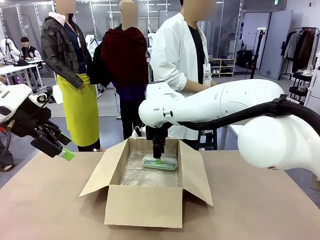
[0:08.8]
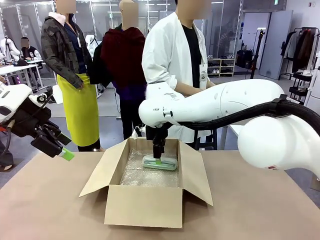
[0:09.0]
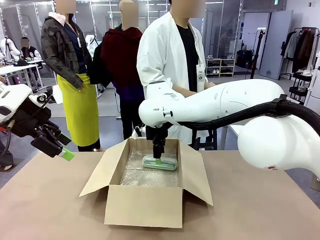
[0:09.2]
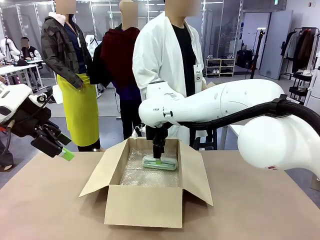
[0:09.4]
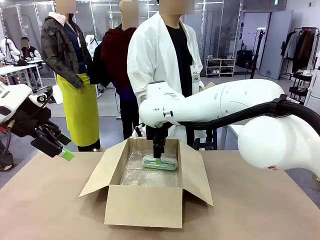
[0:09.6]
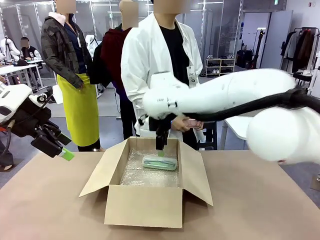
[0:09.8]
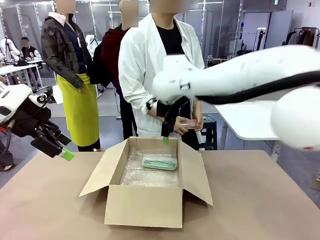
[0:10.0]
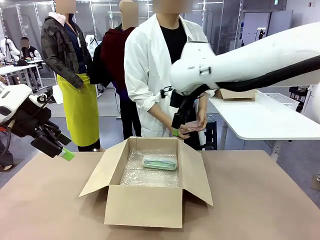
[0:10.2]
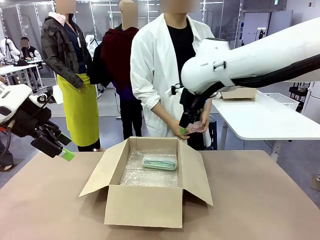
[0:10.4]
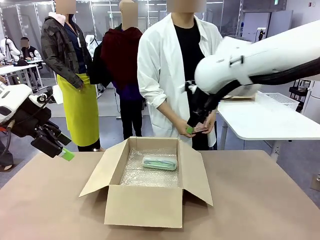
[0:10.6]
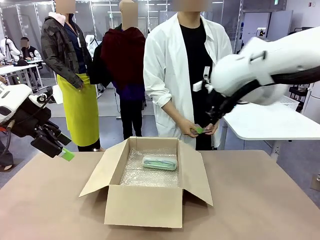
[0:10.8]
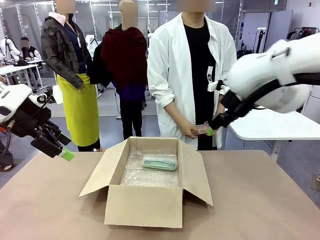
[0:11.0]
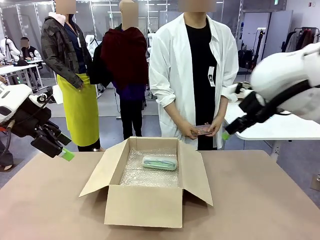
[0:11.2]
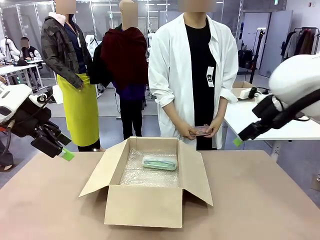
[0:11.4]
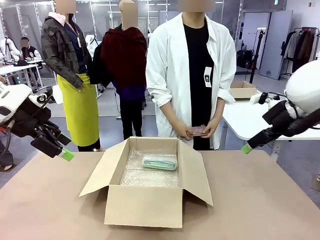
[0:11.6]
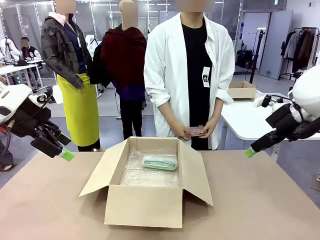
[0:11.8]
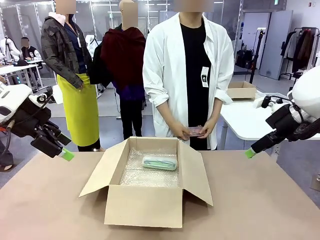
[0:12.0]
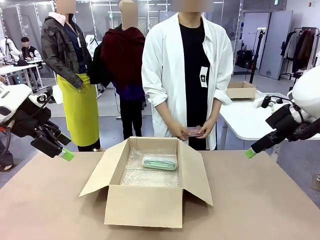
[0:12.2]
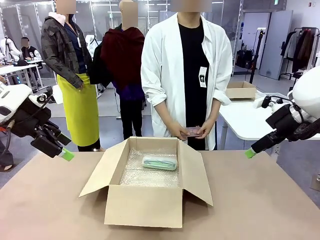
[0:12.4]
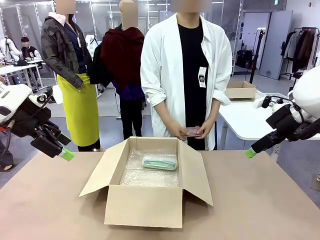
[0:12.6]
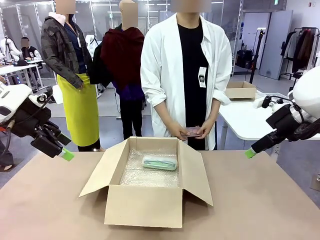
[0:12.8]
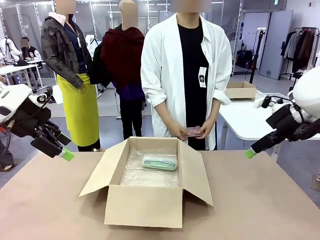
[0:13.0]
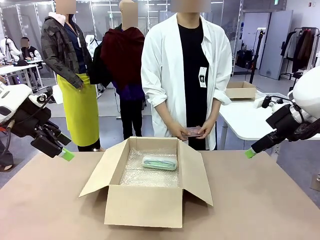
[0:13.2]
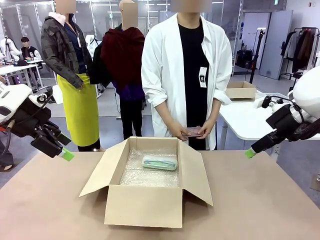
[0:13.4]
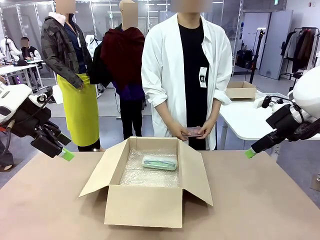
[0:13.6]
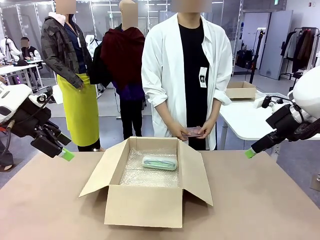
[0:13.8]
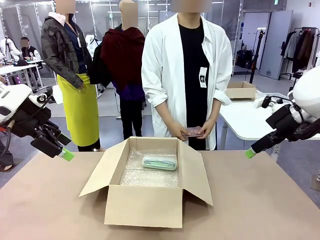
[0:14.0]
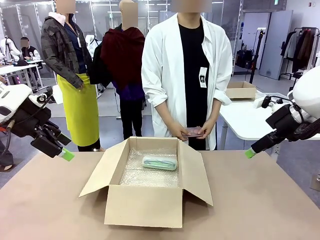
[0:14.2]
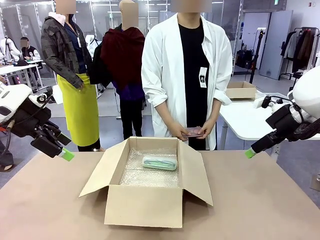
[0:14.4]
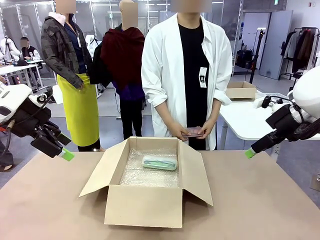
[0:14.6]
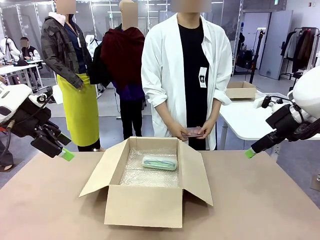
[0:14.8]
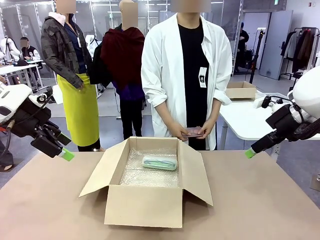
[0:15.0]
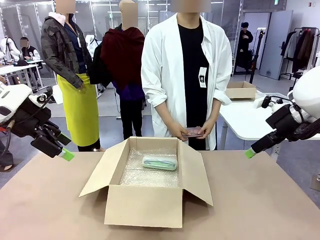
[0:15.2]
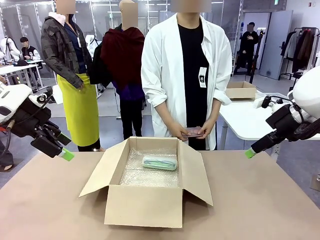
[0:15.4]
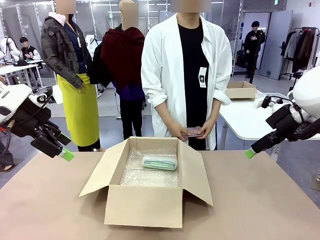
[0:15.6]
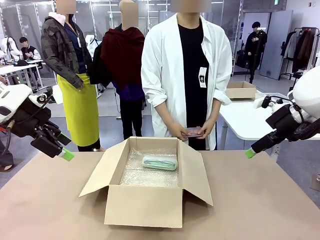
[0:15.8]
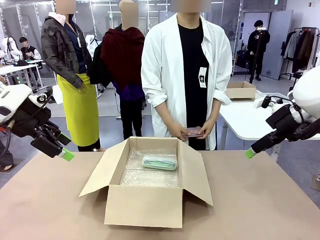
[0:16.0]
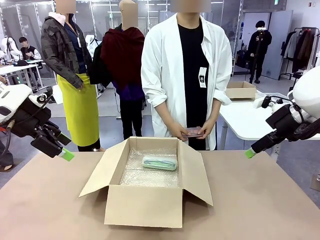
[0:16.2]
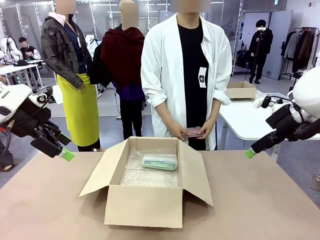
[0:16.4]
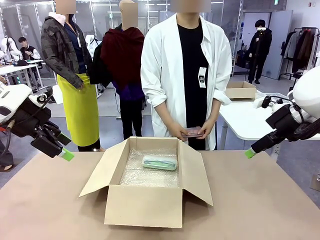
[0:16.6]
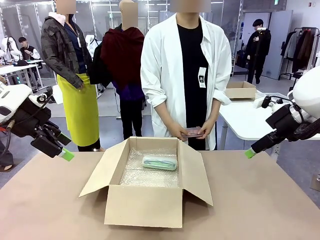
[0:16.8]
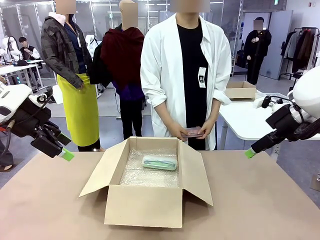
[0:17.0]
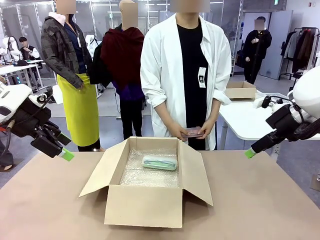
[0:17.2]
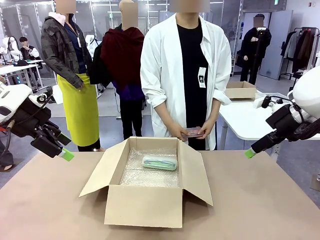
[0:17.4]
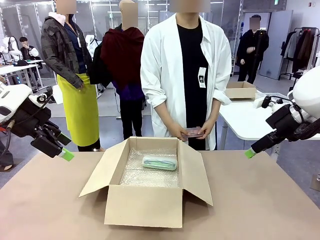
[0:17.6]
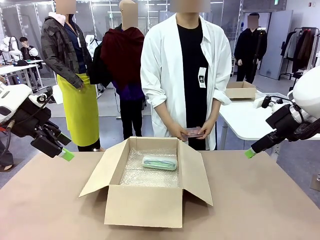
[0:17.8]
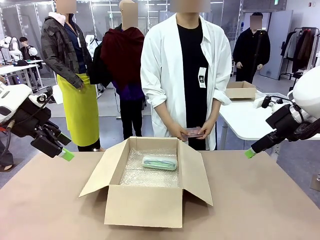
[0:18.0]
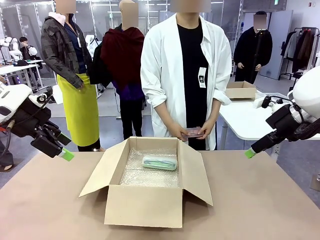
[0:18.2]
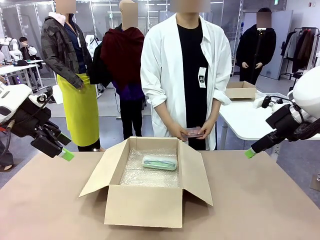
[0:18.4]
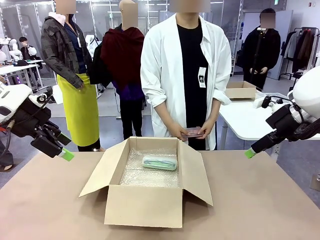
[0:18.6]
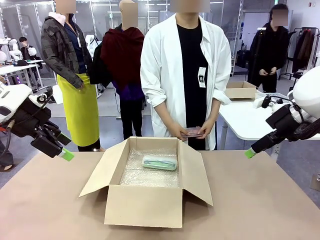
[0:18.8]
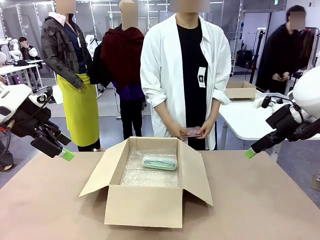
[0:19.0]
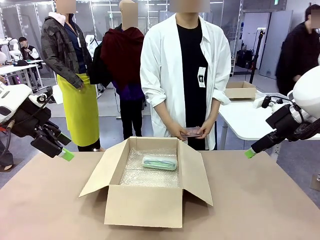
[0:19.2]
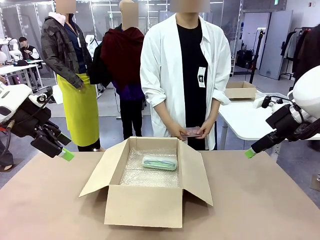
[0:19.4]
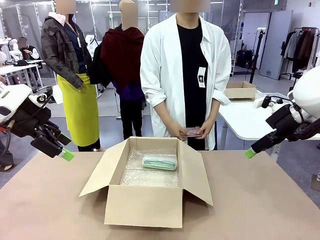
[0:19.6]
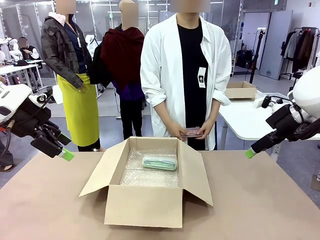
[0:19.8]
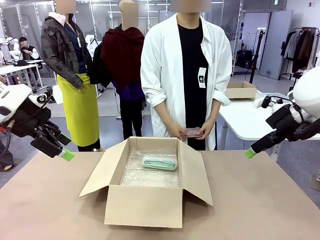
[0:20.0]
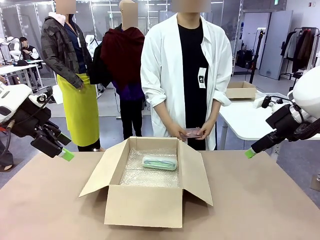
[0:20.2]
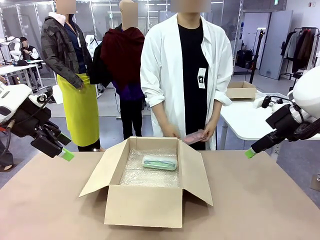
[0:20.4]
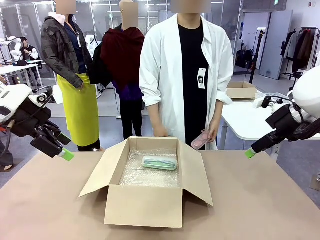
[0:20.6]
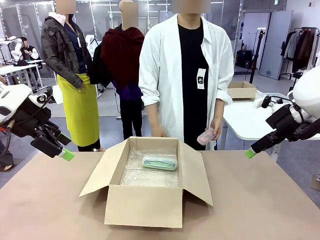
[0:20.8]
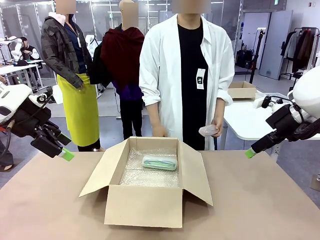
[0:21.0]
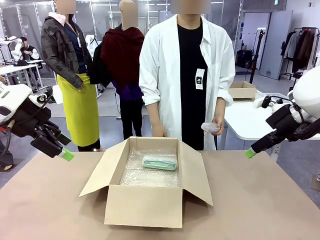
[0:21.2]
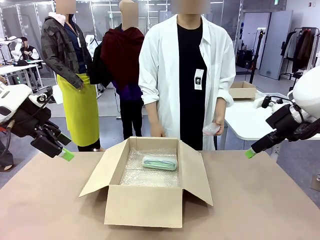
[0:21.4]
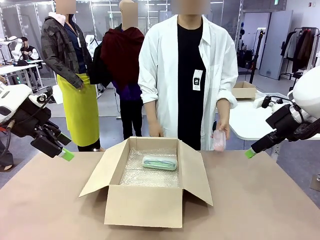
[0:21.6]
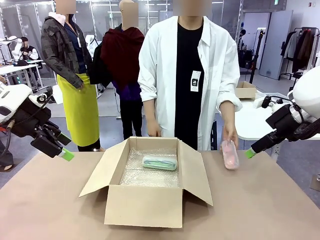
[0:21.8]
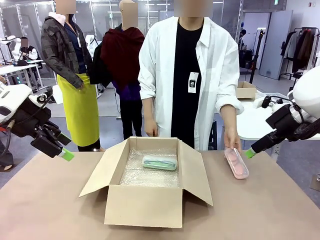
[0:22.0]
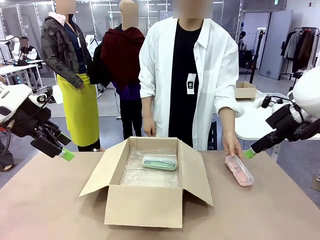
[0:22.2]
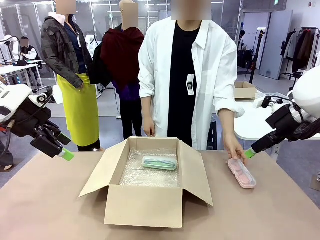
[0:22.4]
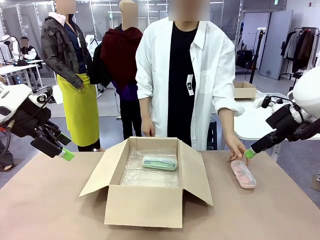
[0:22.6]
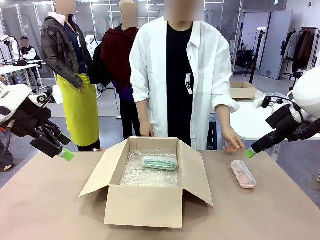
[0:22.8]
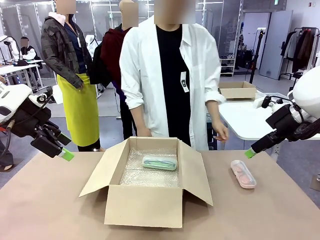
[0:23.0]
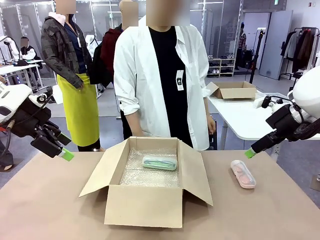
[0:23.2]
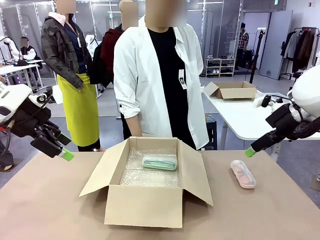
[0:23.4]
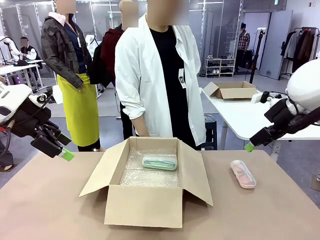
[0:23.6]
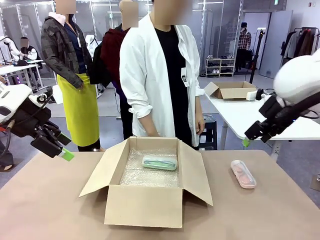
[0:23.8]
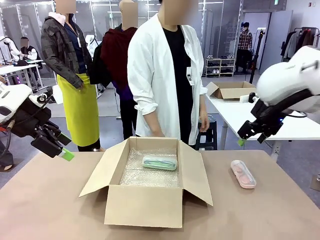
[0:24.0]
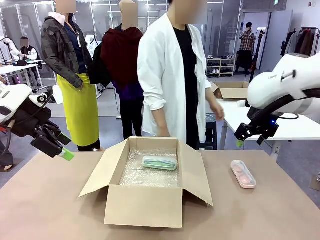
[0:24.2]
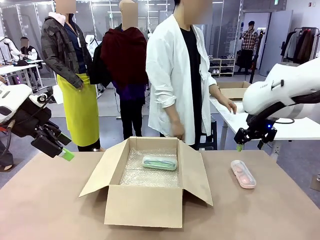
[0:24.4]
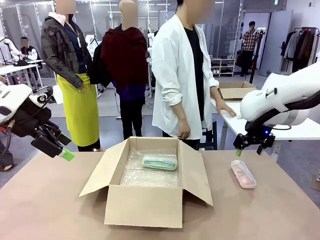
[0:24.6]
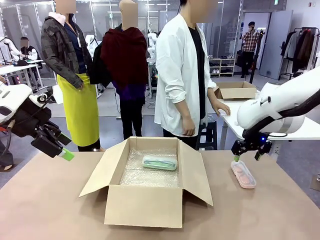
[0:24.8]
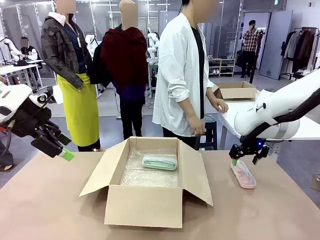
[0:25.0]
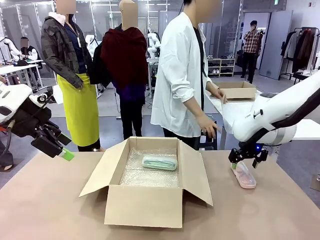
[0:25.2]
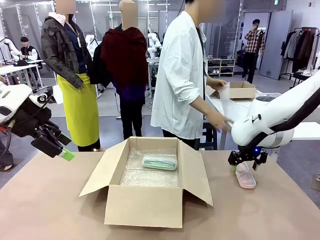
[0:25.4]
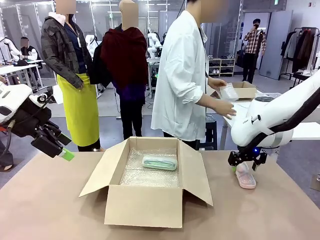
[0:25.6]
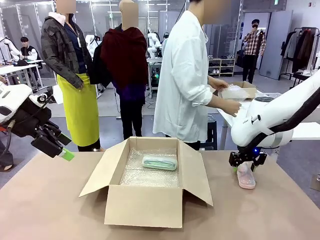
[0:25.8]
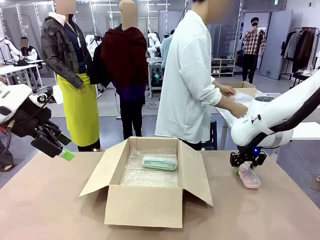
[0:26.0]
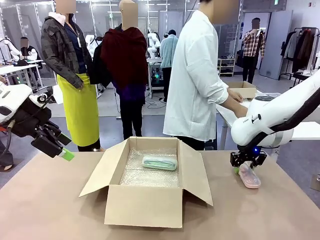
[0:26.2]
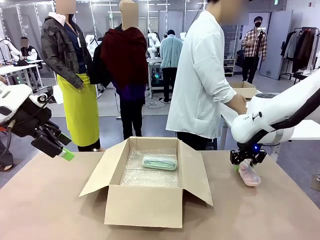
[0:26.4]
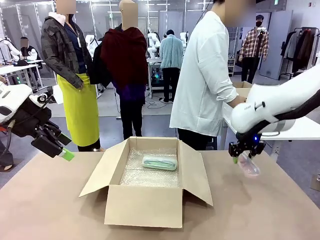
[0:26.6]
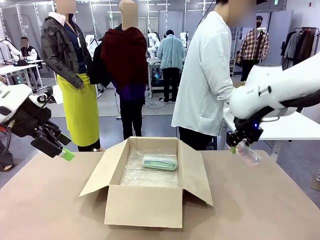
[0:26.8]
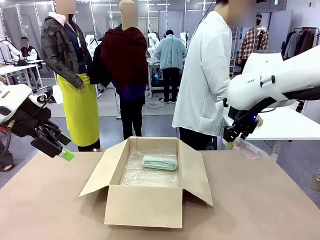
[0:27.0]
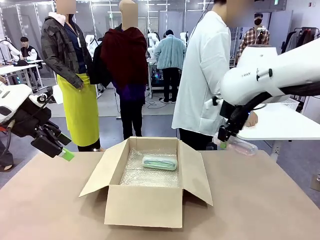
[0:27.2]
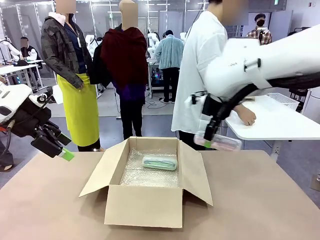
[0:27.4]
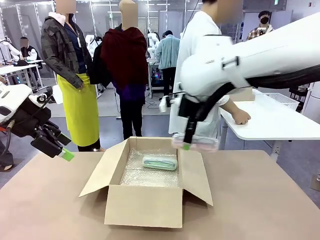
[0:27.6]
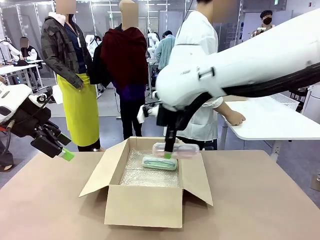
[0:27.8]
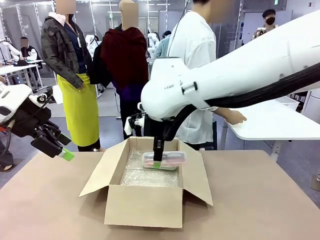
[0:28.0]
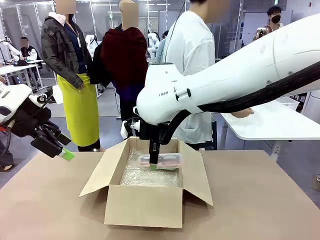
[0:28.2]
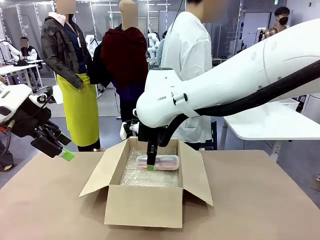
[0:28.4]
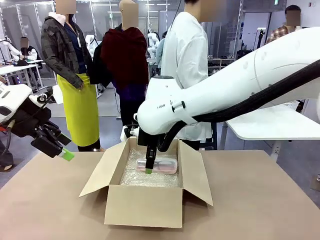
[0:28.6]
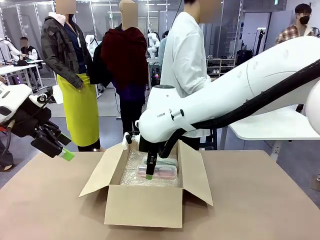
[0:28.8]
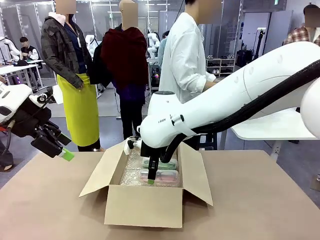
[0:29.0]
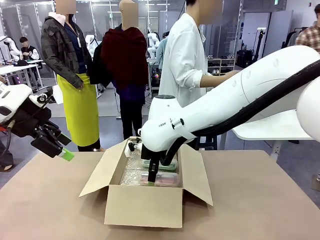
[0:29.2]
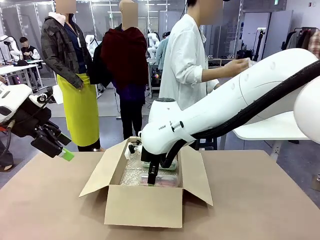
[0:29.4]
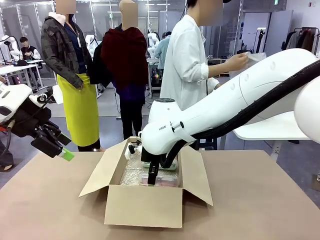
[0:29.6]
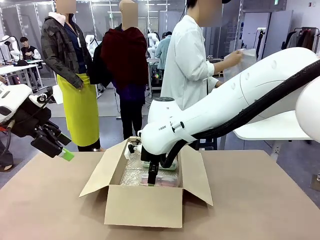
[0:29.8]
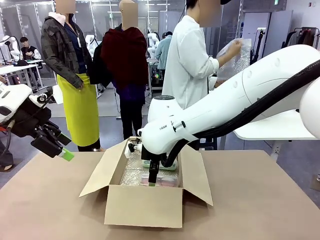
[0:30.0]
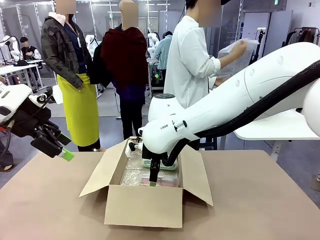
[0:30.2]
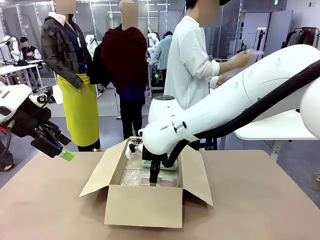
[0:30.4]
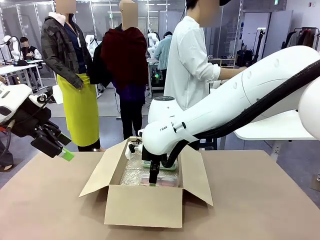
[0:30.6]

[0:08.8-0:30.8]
Task: Pack the glasses set securely to prepare it for shipping.
Robot: Put the Glasses case from the right side of the table into the Package Box.
Person: Position the Glasses case on the left side of the robot's table.
